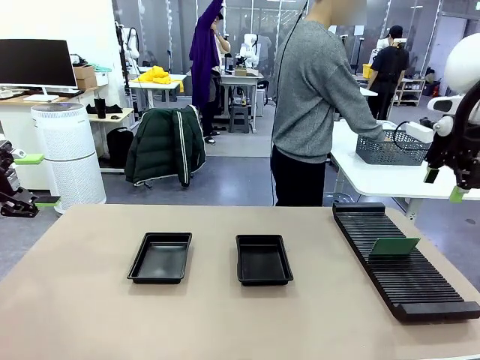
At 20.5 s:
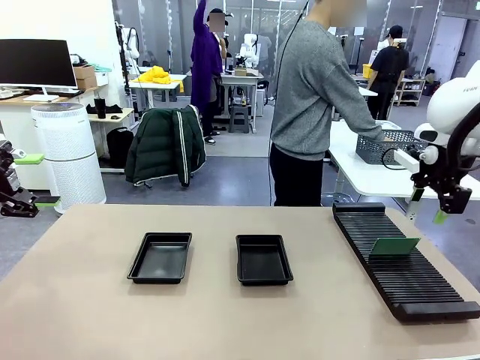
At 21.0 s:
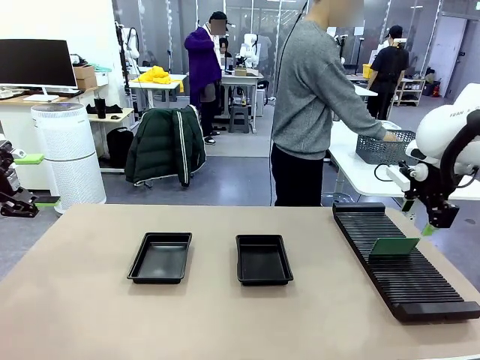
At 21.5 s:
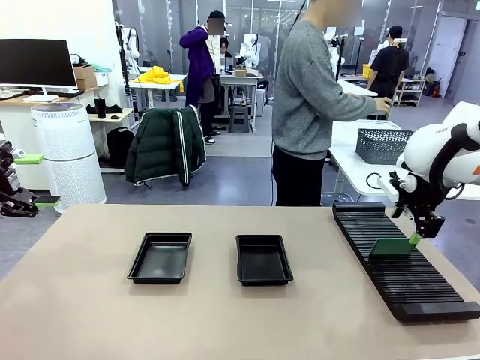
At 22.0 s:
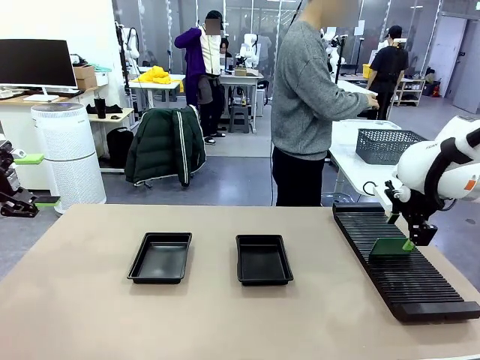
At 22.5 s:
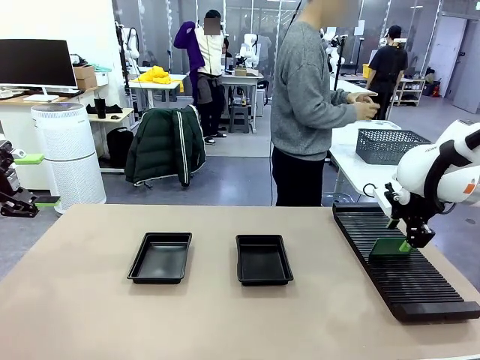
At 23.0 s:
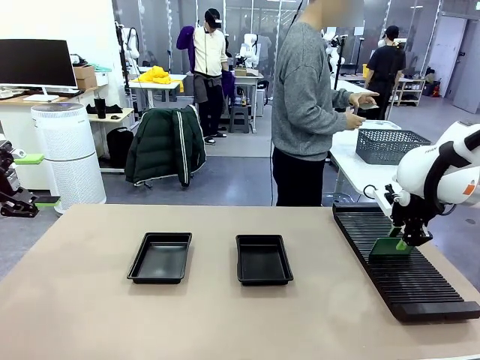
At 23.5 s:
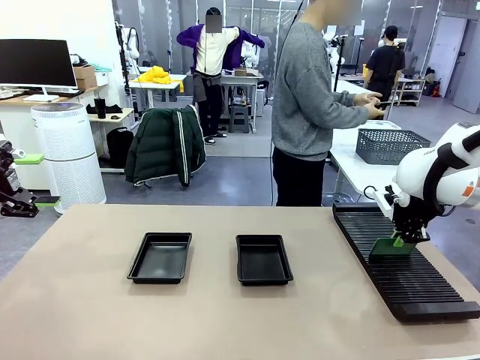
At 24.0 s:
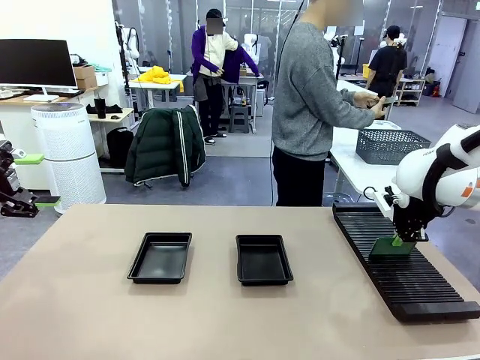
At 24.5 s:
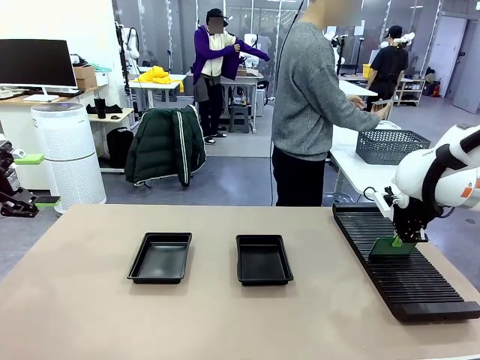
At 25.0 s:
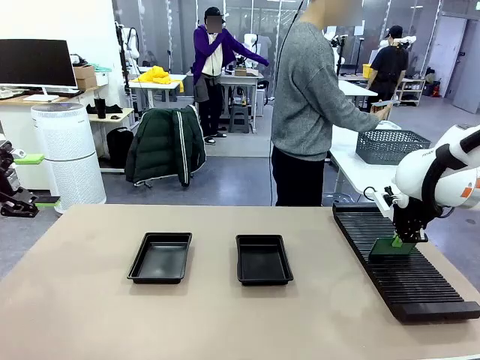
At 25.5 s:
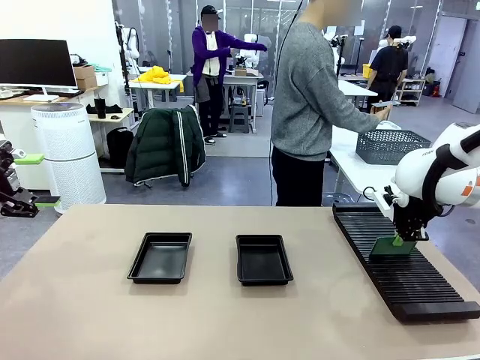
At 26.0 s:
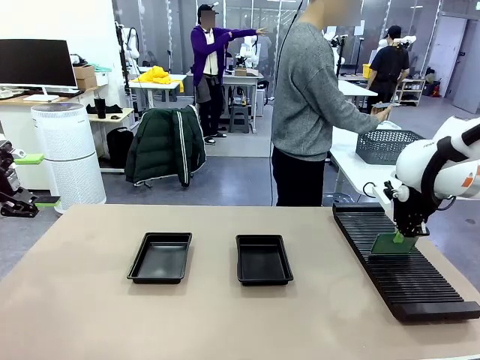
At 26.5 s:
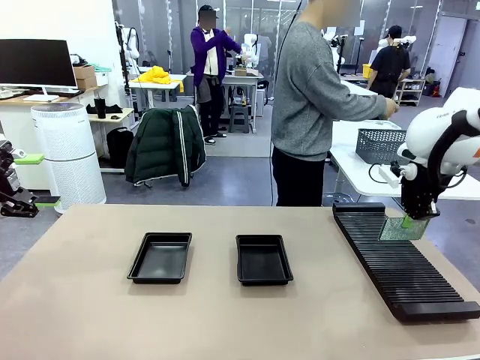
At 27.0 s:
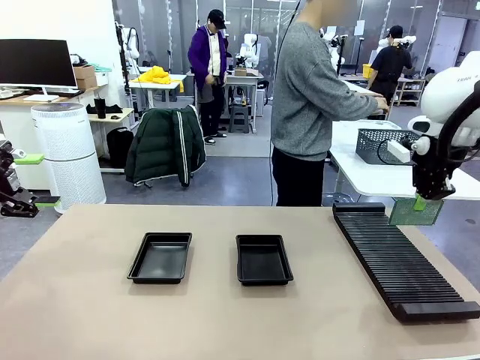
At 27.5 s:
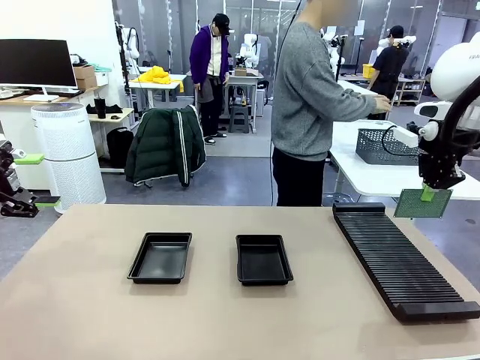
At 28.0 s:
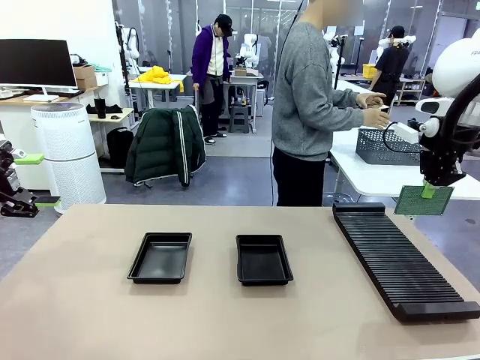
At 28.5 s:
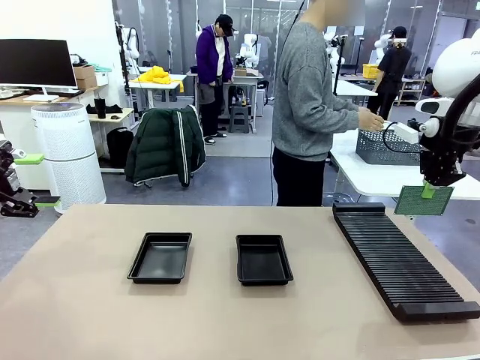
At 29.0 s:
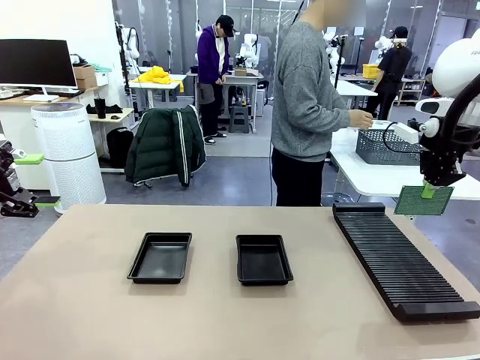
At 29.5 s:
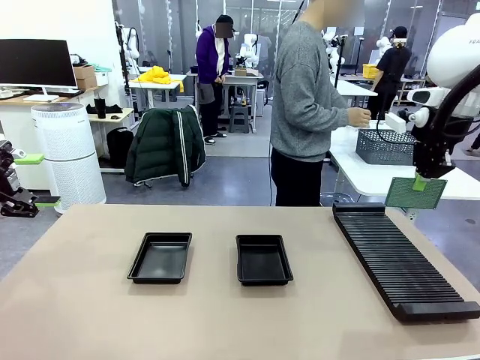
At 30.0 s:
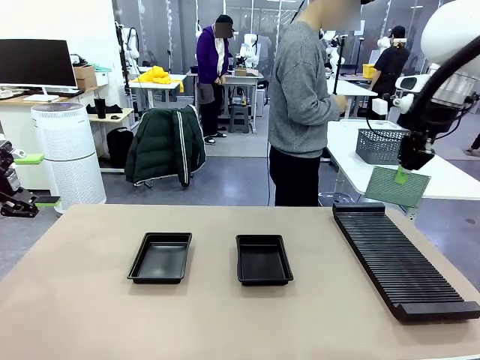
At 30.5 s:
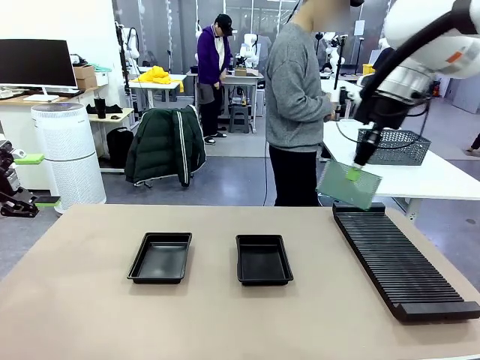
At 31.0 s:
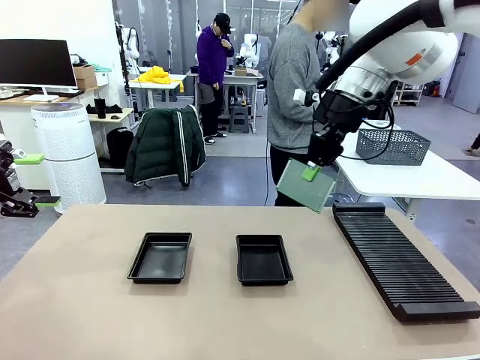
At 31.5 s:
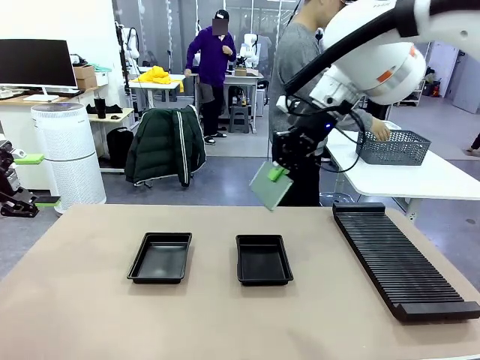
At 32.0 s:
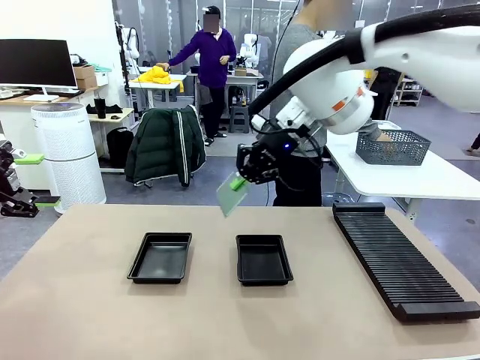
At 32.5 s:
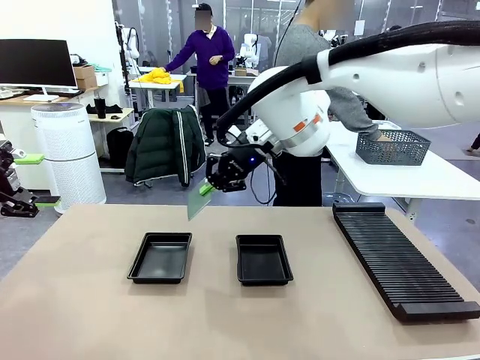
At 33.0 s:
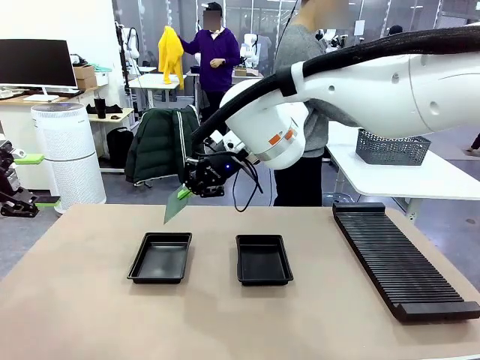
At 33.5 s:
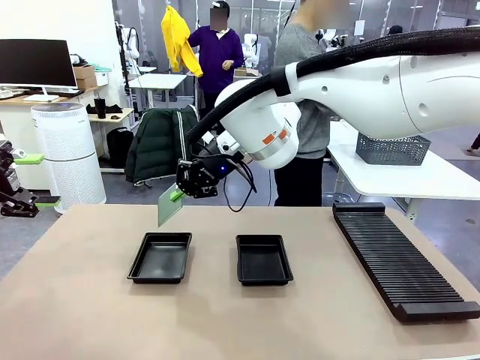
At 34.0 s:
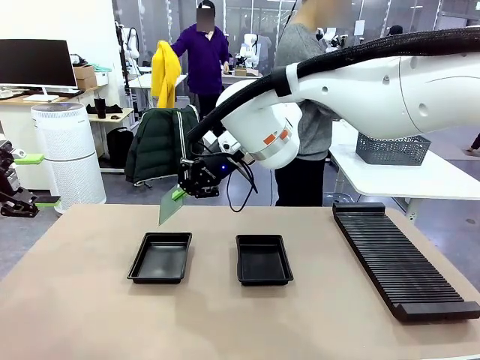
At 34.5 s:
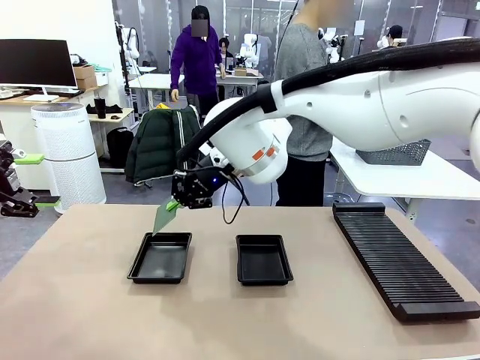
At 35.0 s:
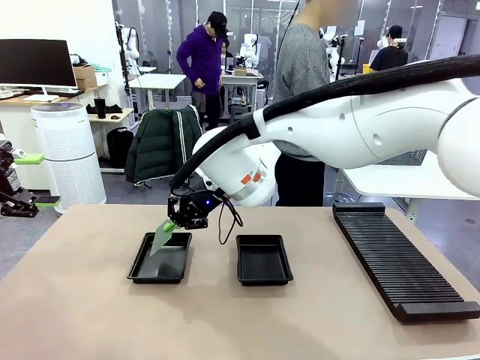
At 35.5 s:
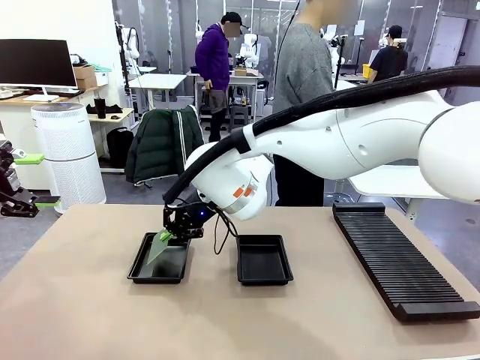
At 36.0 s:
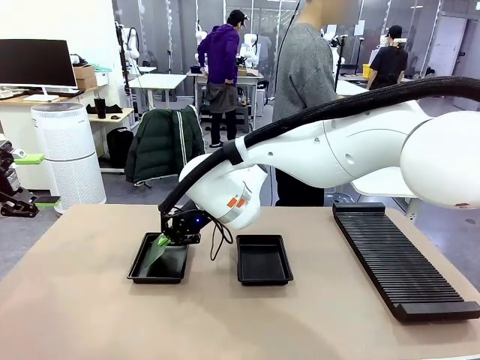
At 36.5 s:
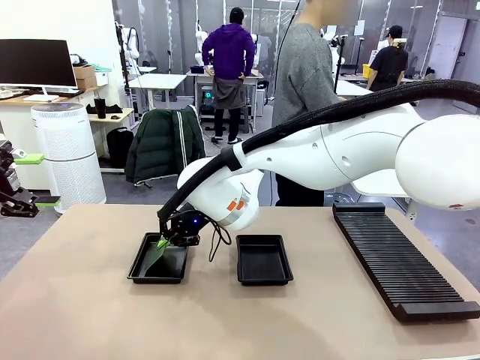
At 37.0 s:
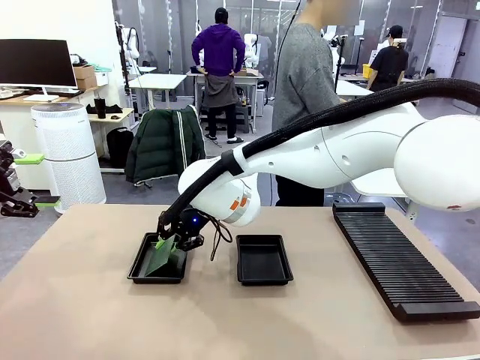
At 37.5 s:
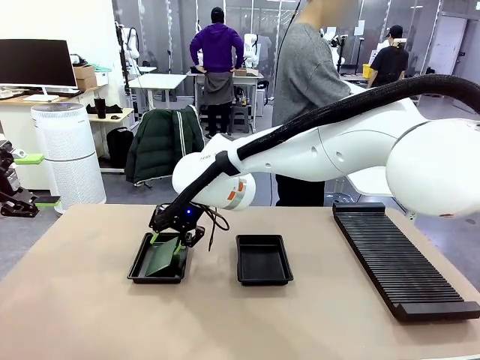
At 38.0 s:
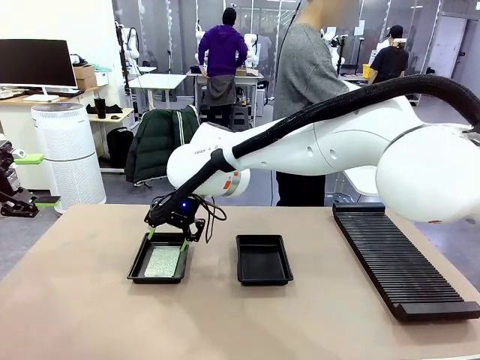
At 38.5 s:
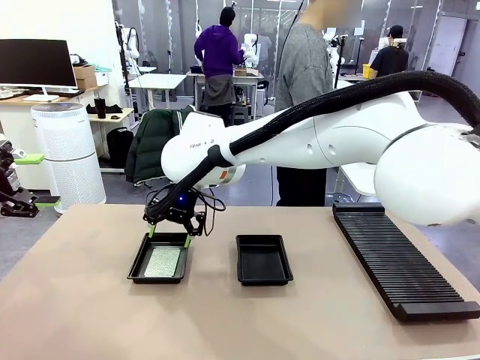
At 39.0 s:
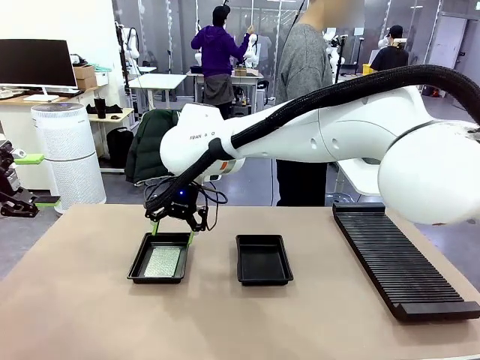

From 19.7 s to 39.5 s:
Task: Inspect and transfer BCBs to ESD trays.
Robot: Pick up the Blank PCB from the PCB Rack and place it in the left ESD tray.

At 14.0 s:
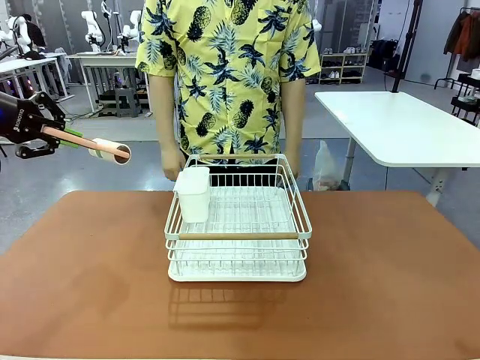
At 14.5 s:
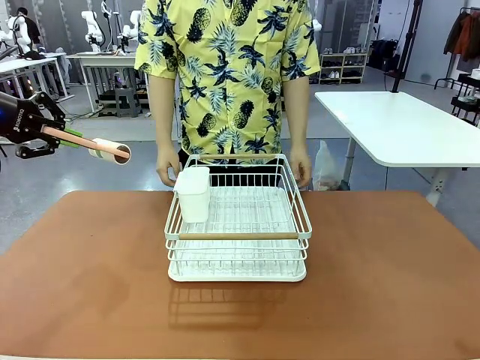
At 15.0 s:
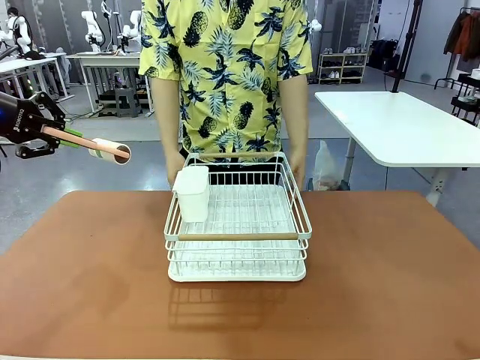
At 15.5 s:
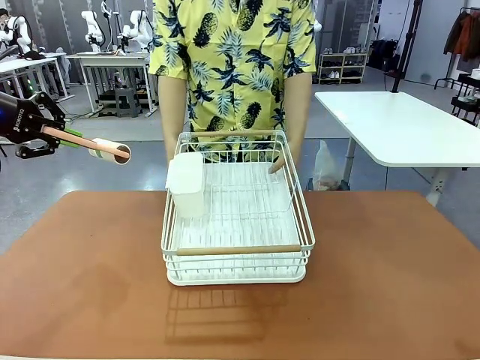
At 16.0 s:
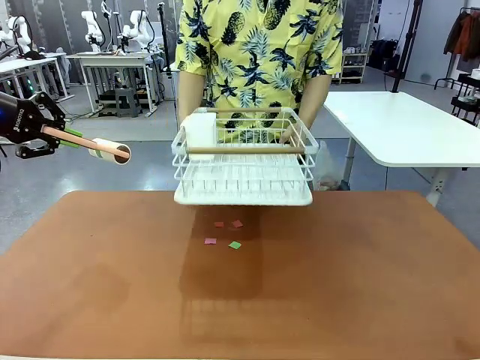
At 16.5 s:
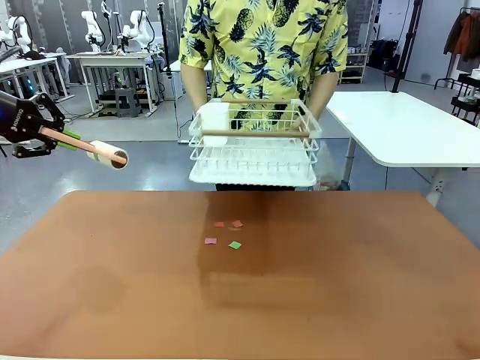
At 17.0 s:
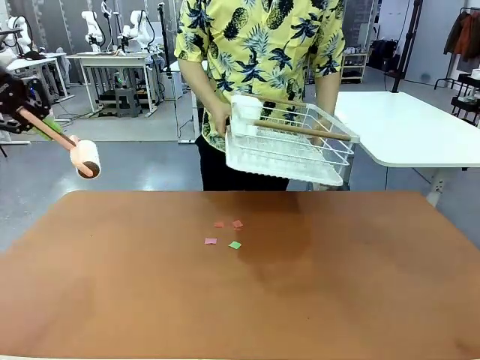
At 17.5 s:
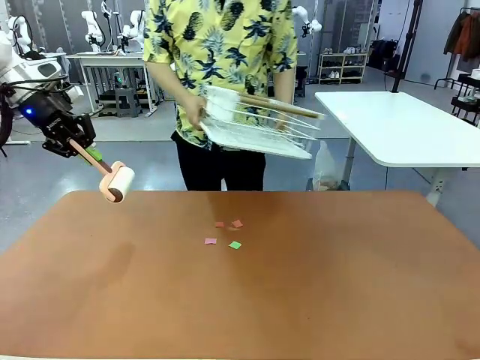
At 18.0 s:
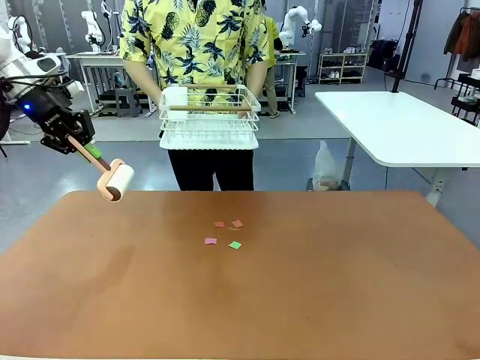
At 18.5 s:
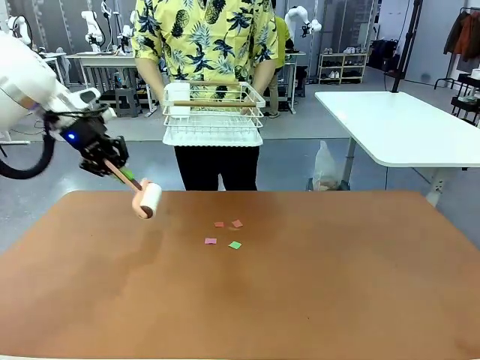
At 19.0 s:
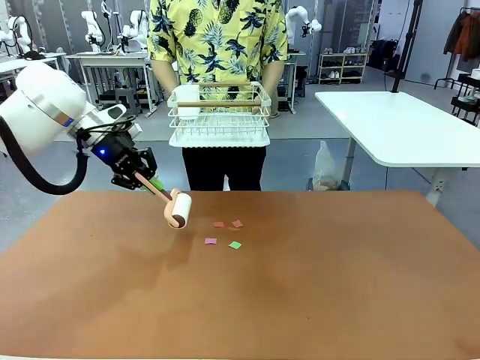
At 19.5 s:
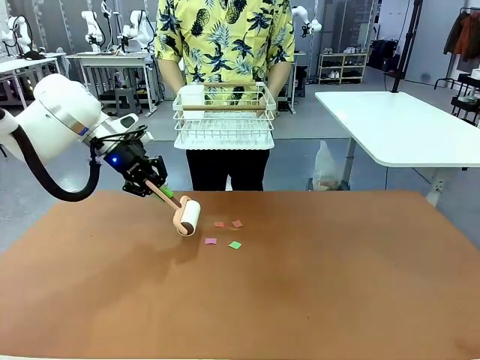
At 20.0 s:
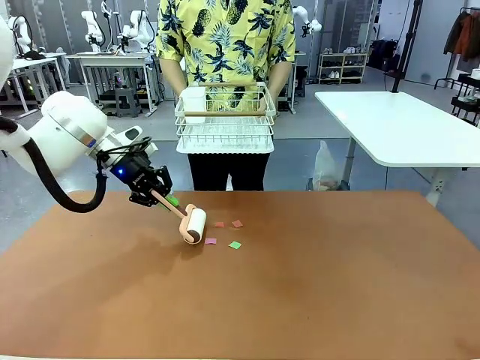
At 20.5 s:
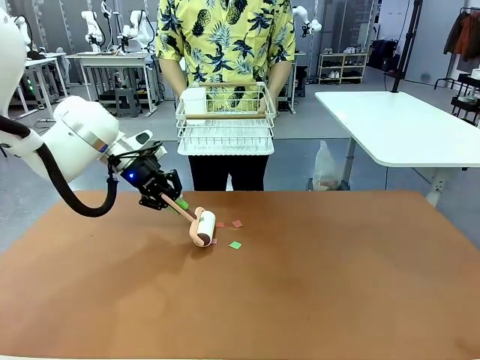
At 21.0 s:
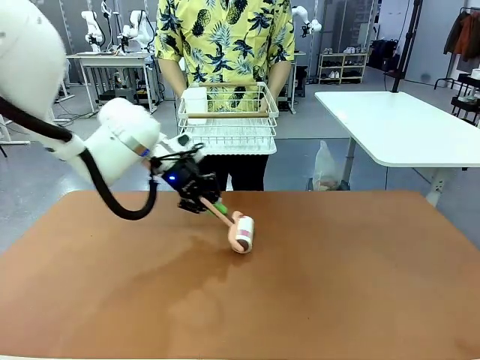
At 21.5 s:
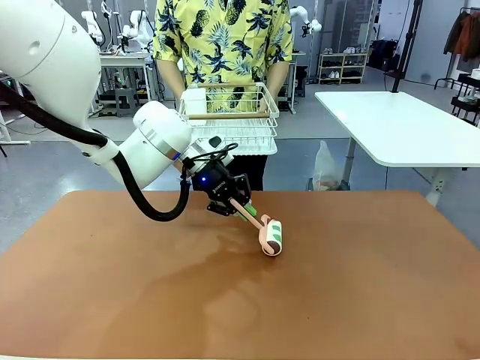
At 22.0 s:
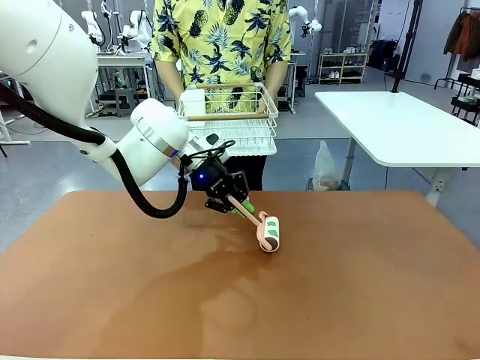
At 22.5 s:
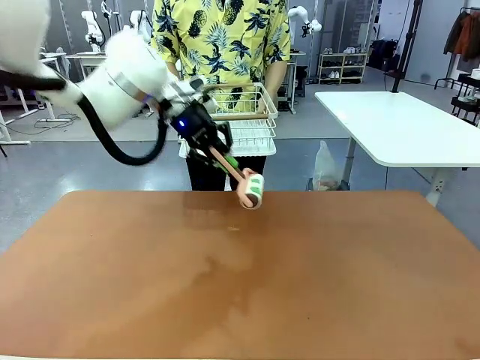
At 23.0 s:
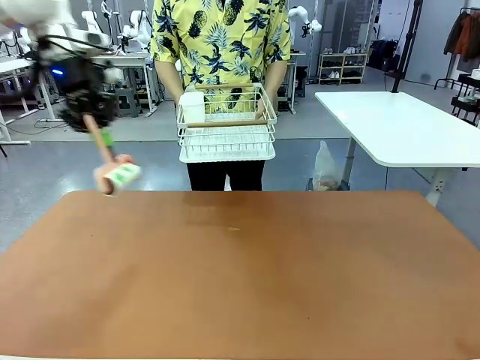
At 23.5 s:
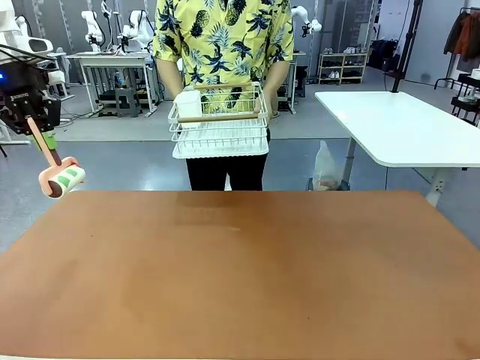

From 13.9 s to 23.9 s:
Task: Clean the table.
Robot: Clean the table with the Lint Roller when the human lifts the Dish drying rack.
